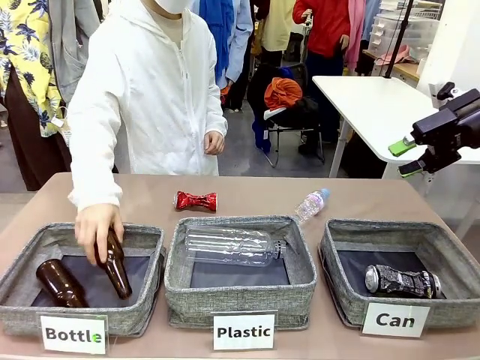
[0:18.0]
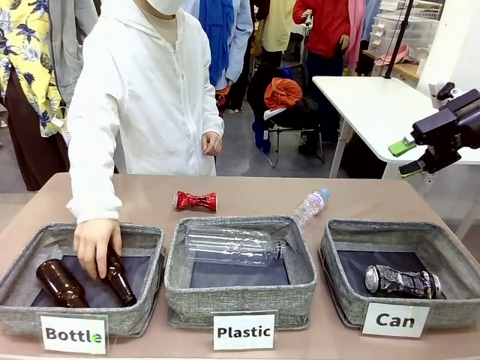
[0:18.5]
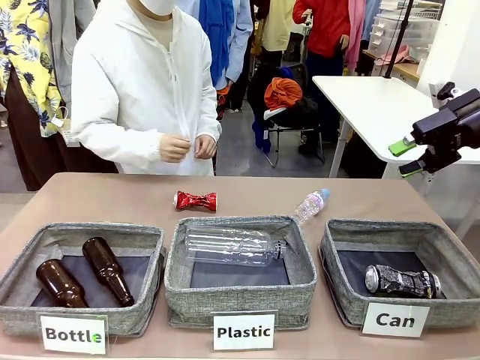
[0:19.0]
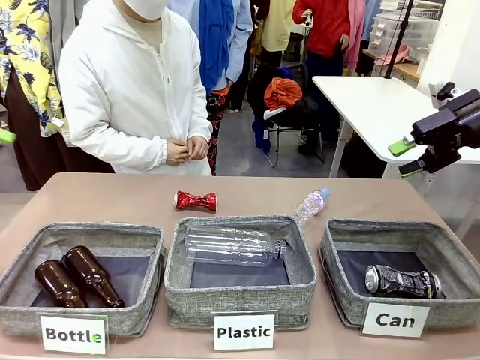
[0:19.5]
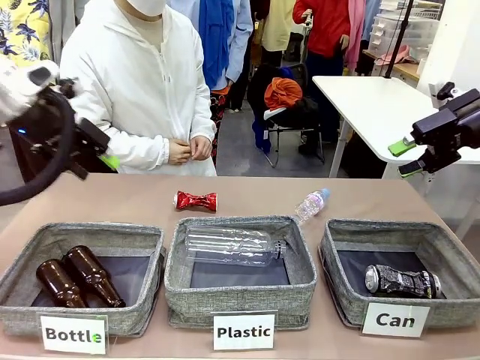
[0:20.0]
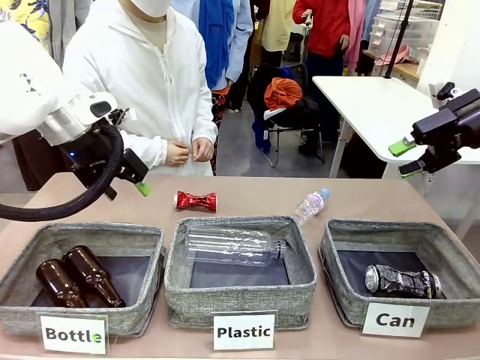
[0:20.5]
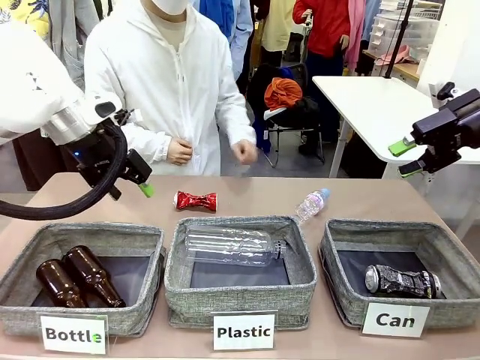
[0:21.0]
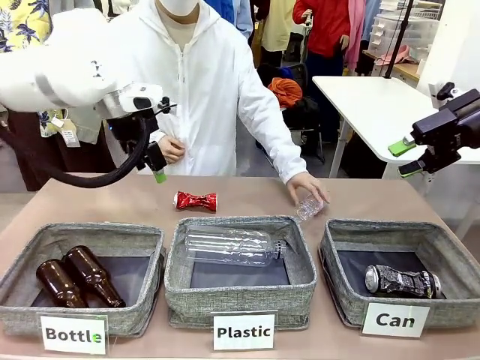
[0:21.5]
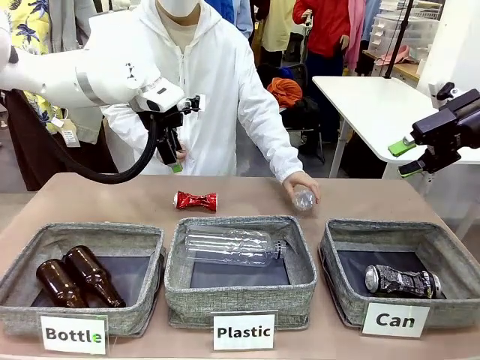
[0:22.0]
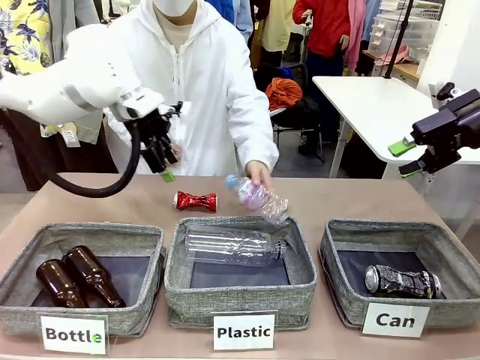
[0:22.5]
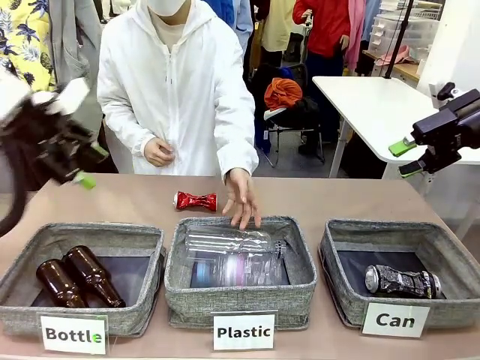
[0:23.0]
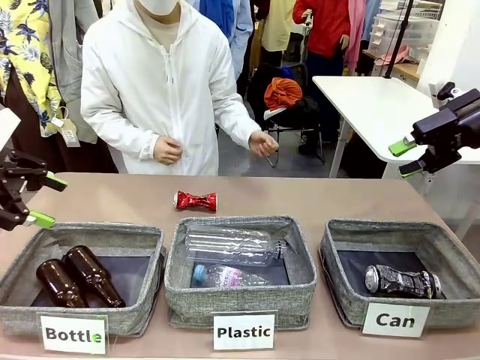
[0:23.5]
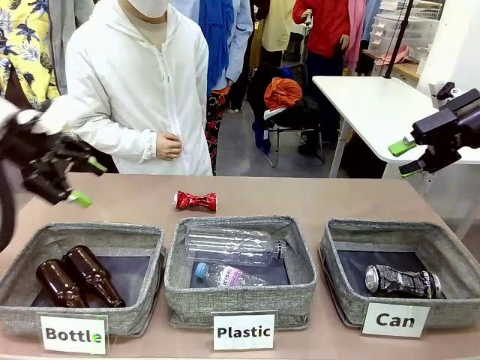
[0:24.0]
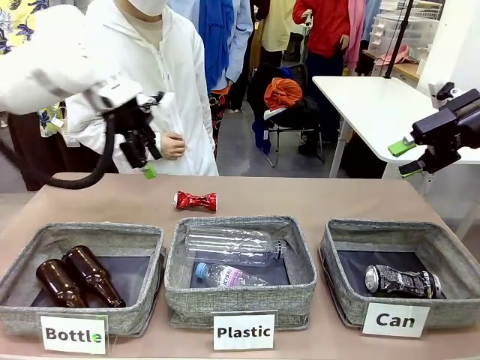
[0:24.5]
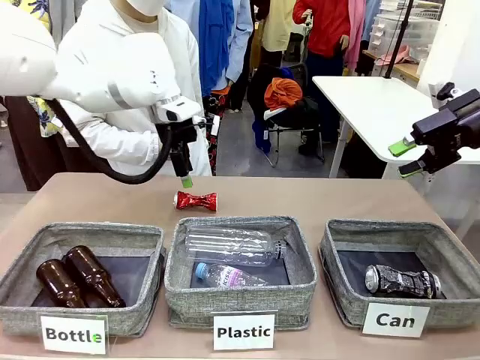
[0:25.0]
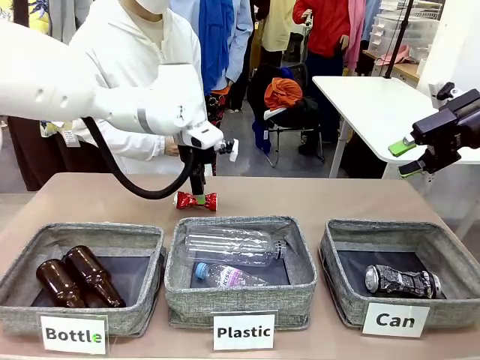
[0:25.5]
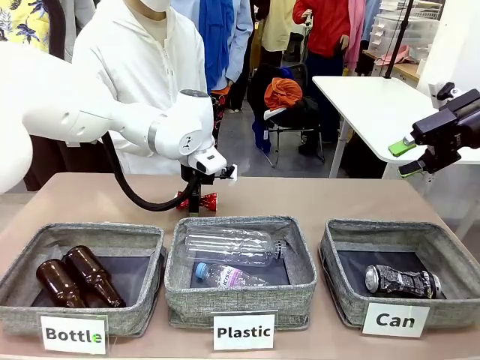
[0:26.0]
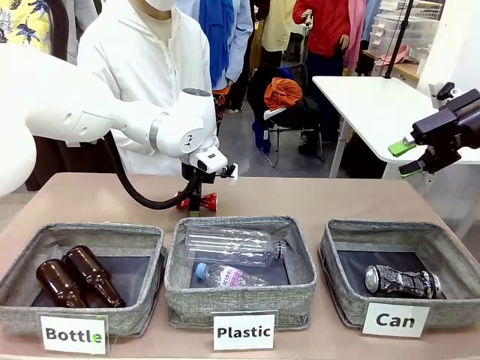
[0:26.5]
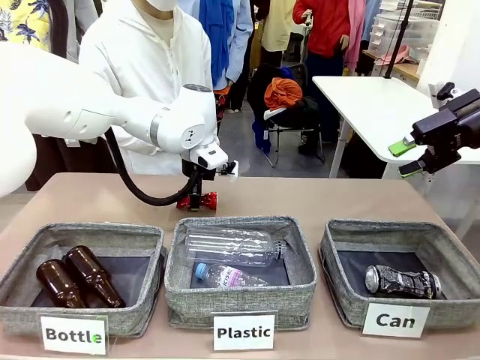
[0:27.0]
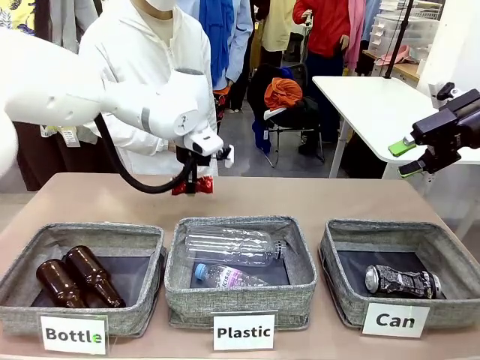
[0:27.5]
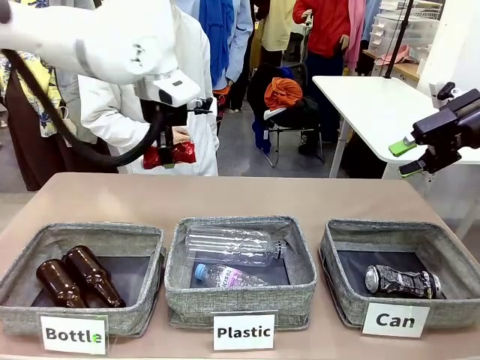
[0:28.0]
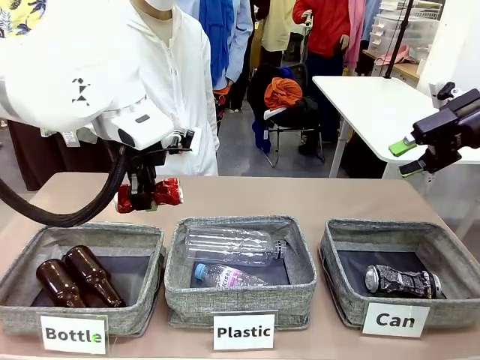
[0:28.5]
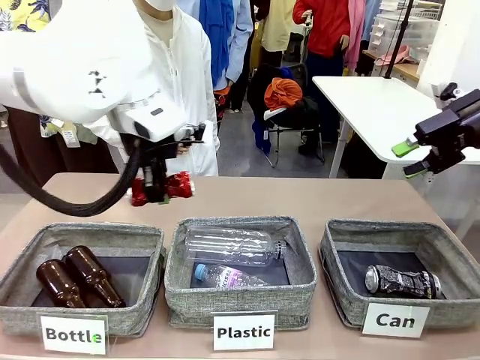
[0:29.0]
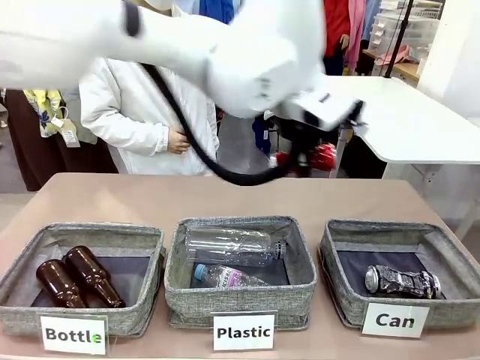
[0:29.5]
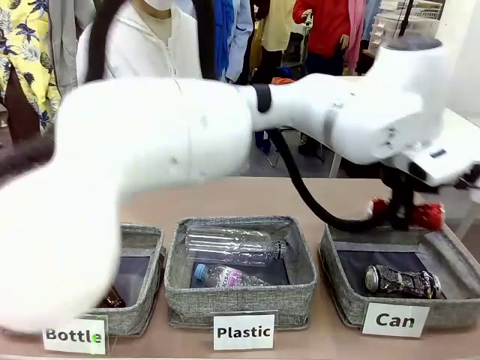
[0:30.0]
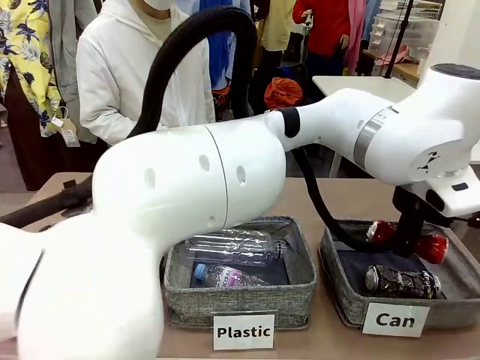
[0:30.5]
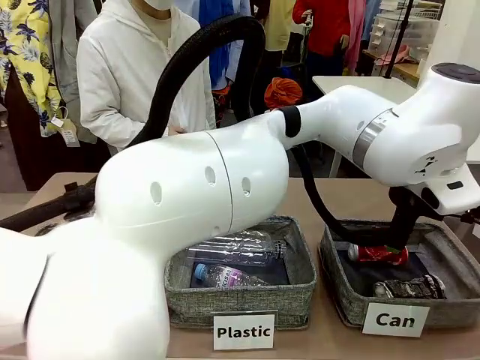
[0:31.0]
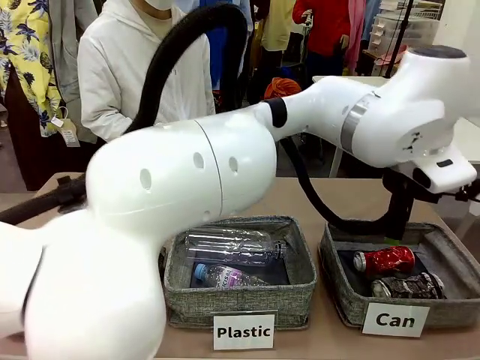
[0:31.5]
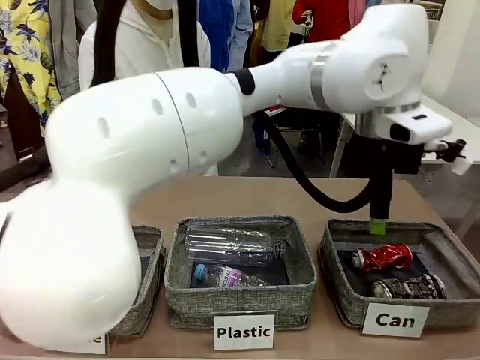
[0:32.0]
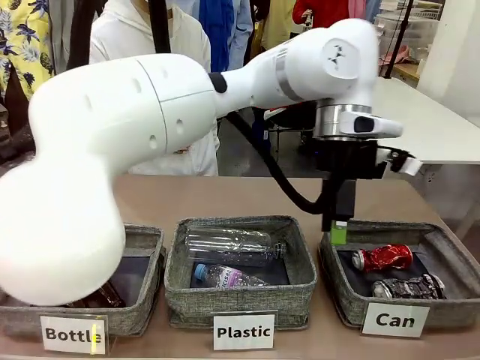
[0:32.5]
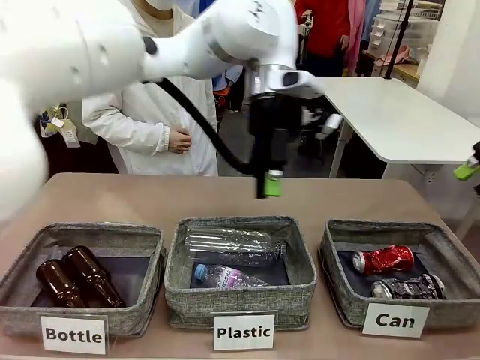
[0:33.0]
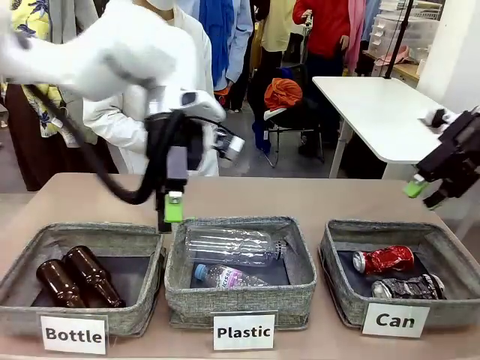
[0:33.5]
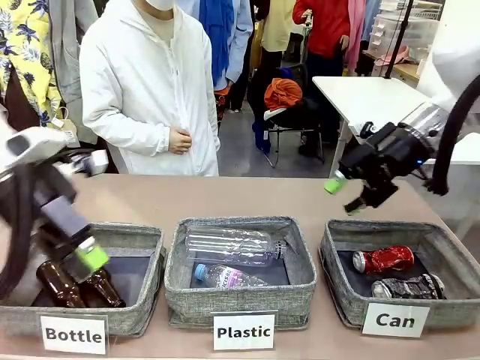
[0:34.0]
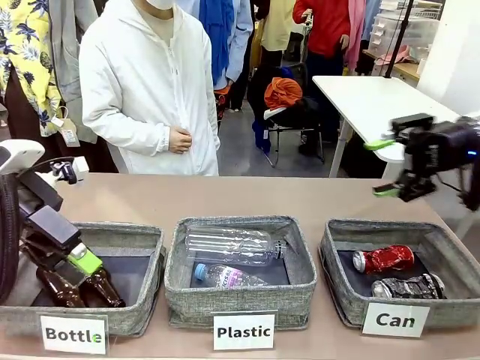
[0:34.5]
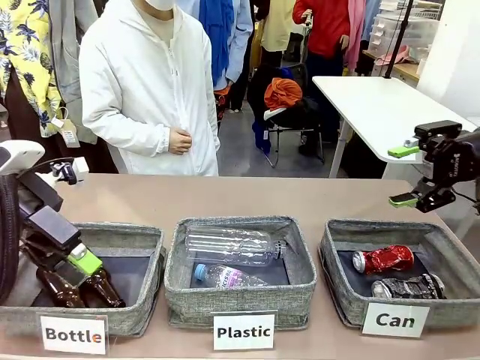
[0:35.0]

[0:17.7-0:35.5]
Task: Sort the can waste into the basket.
Robot: Pick up the can waste from the table and place it in the right Fabric basket.
Person: The human picks up one piece of trash that is not a can and places the trash into the appropriate organizing basket.

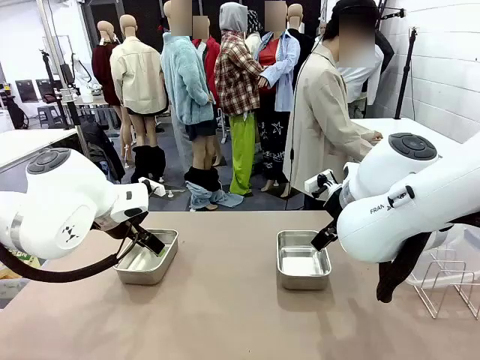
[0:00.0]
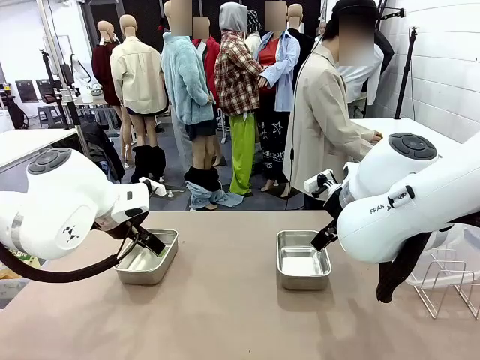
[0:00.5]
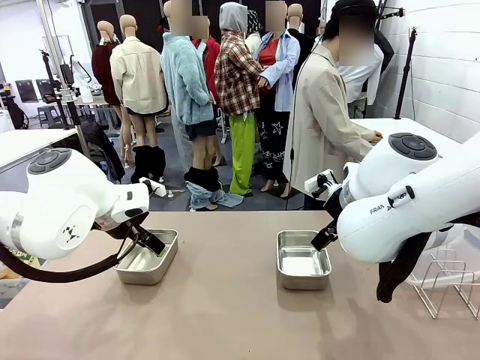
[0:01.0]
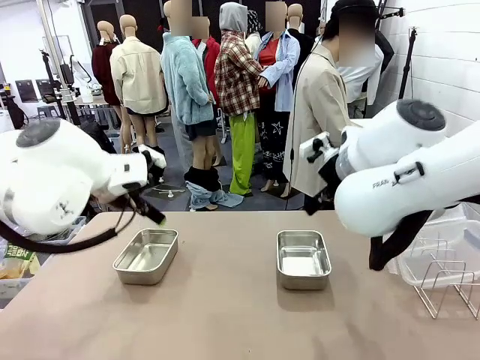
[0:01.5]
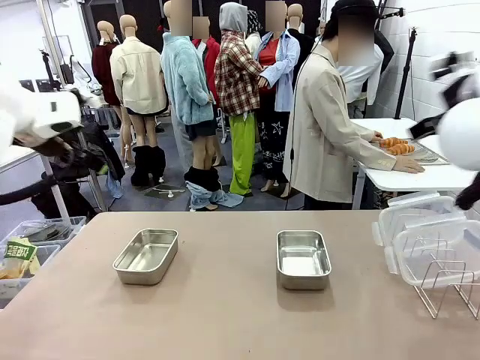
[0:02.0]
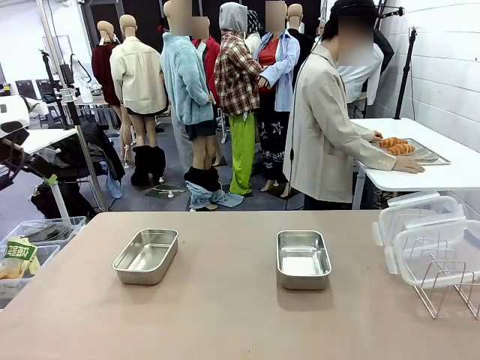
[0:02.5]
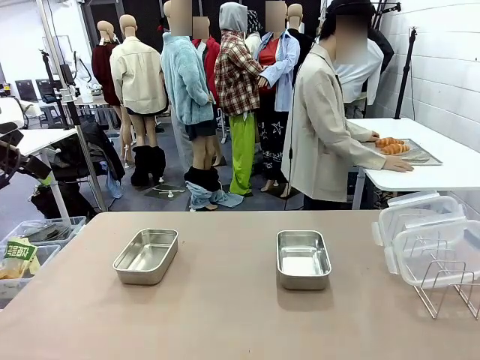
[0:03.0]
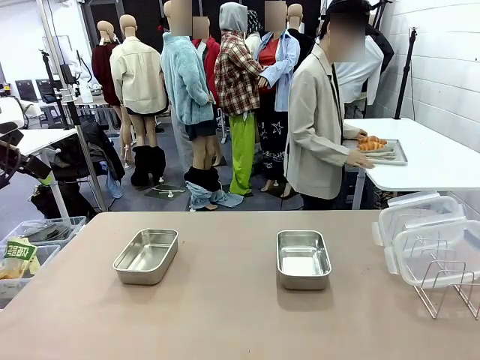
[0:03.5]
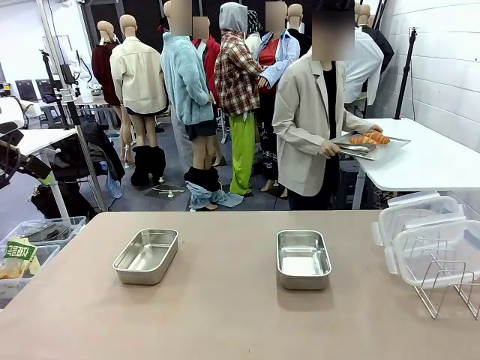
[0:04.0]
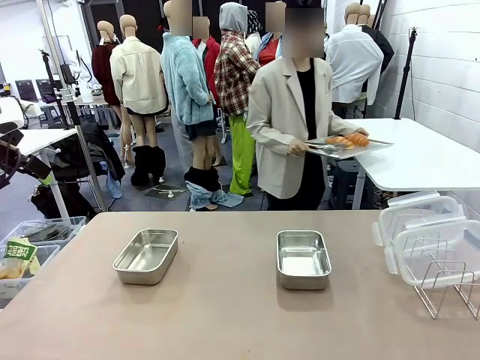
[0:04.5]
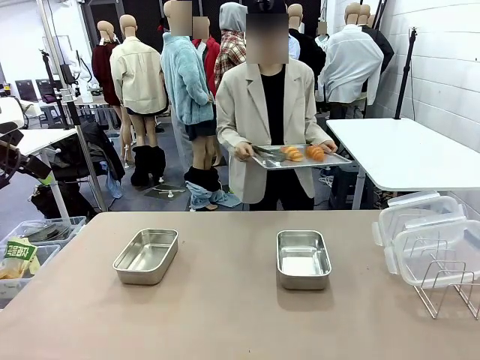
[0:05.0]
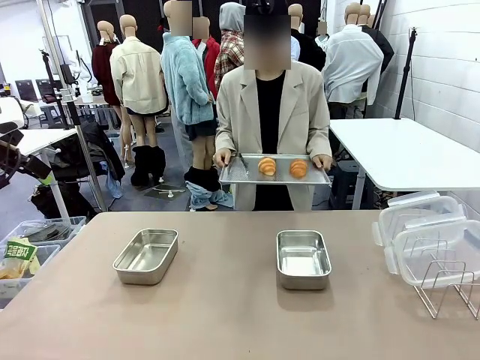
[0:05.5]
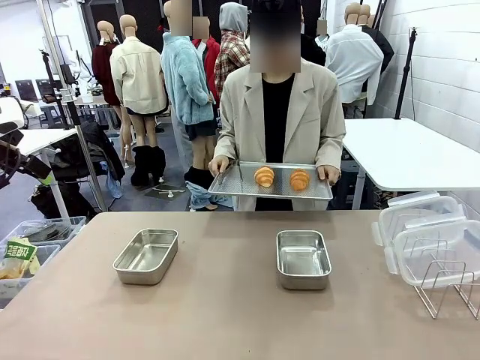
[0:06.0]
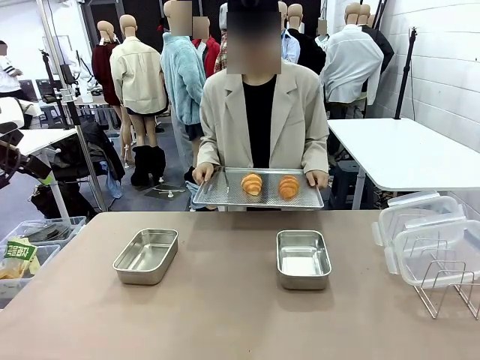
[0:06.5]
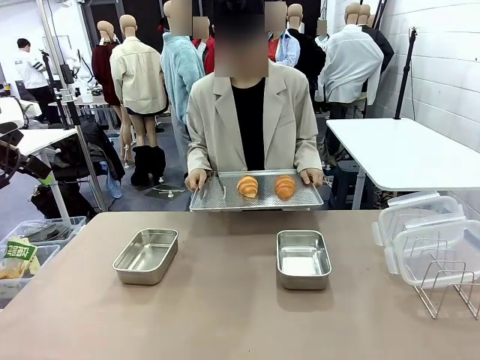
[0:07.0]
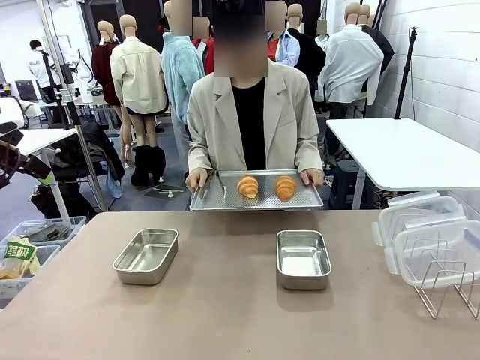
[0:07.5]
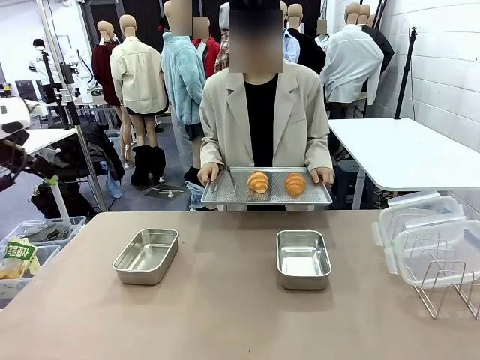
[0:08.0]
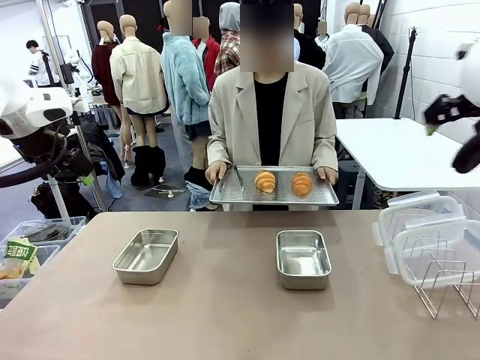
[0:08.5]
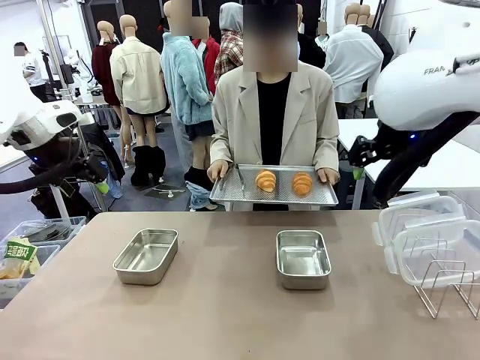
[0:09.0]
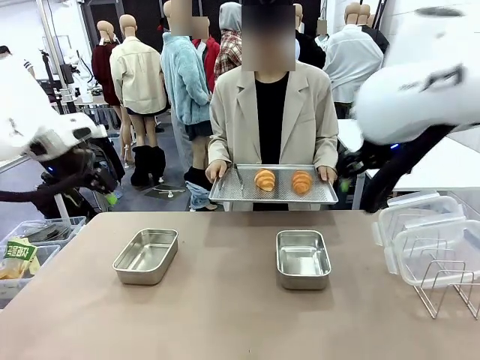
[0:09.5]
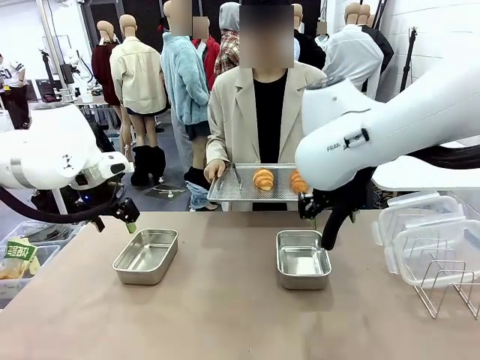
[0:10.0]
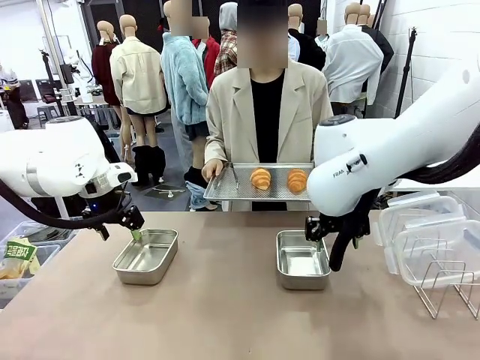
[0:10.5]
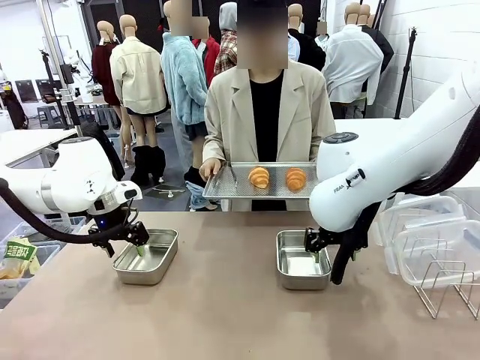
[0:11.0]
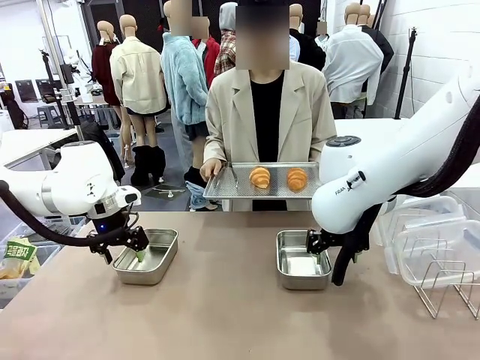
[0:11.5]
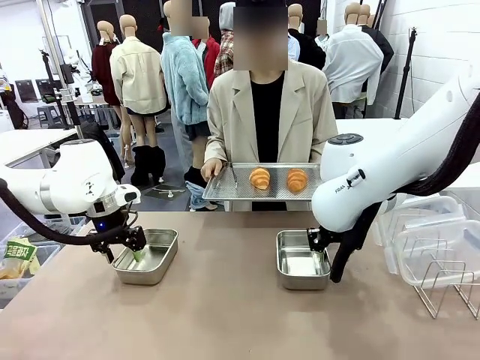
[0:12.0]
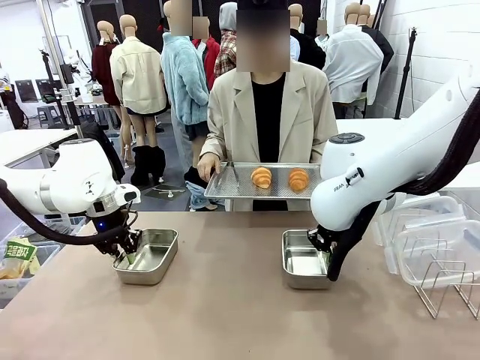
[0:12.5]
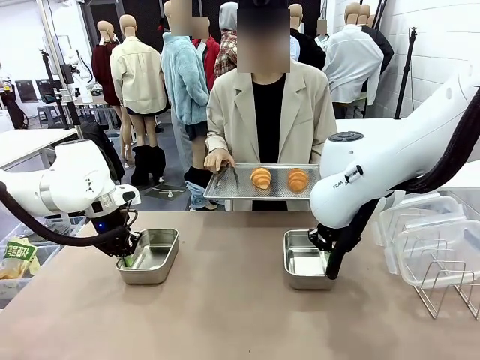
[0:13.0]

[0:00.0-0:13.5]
Task: Place the bread in airtight containers.
Robot: Lift both Airtight Container.
Person: Bring the Baking Sheet in front of Robot's Table.
